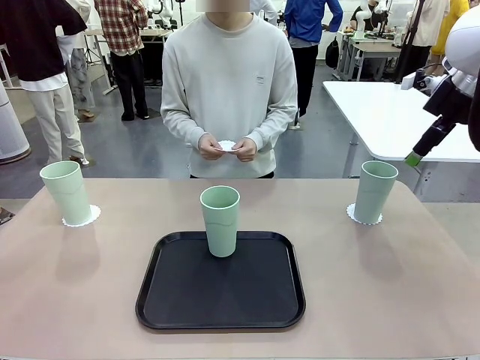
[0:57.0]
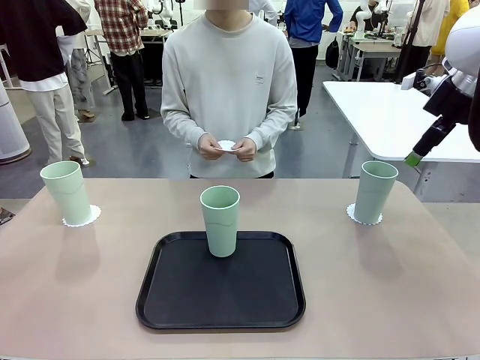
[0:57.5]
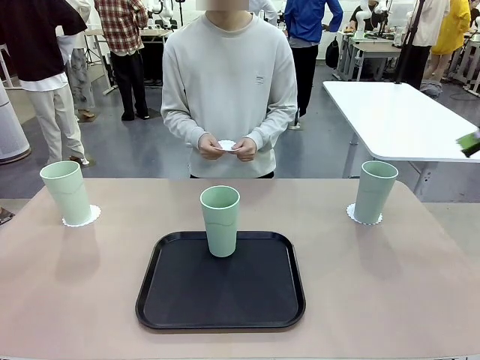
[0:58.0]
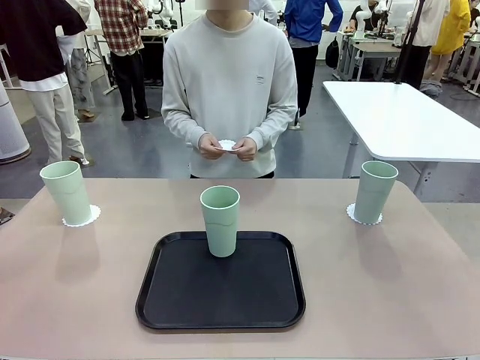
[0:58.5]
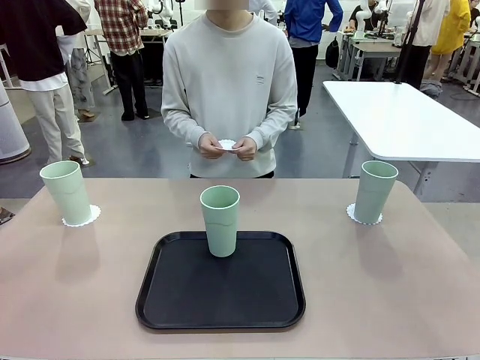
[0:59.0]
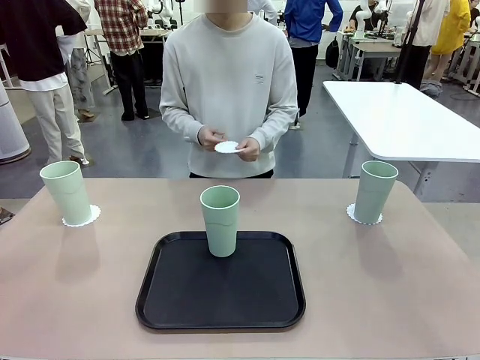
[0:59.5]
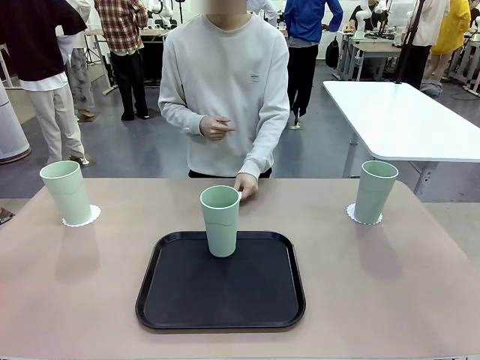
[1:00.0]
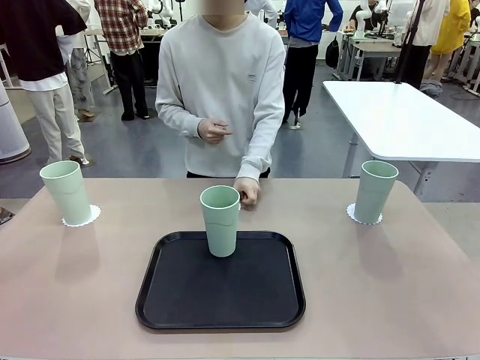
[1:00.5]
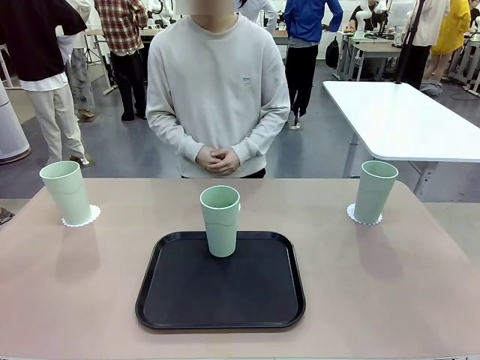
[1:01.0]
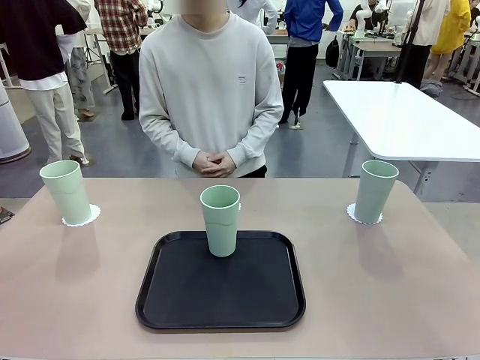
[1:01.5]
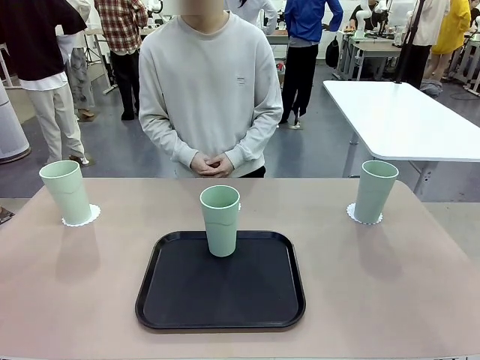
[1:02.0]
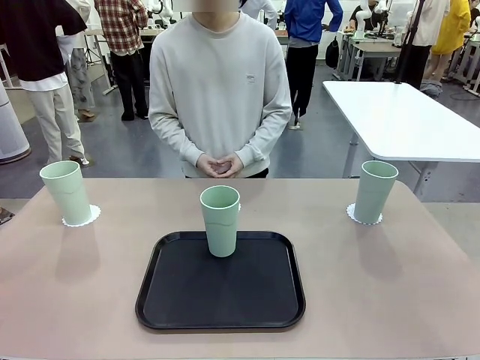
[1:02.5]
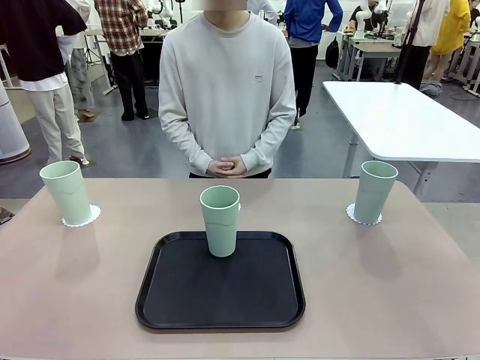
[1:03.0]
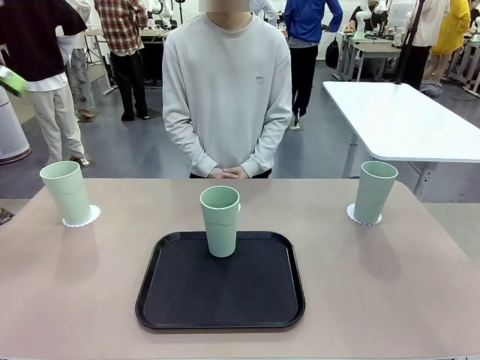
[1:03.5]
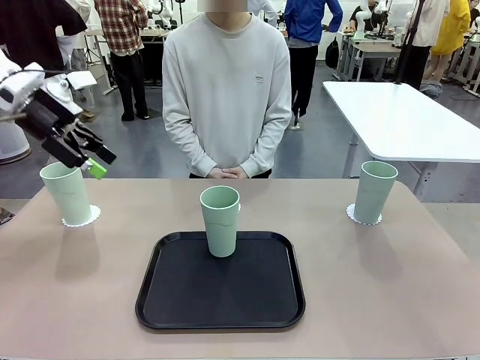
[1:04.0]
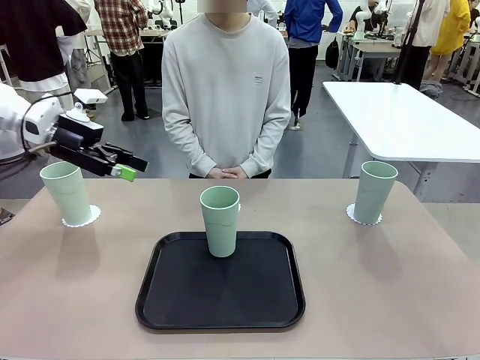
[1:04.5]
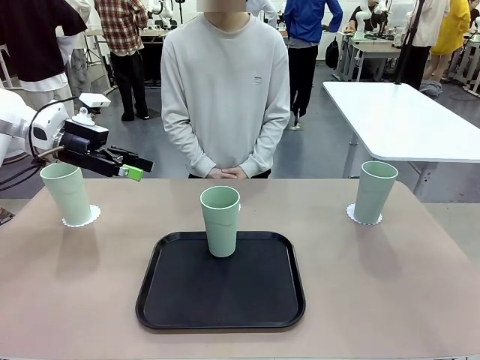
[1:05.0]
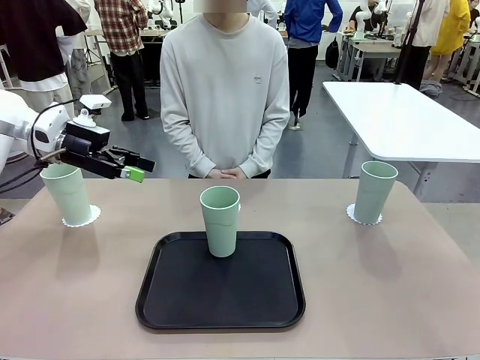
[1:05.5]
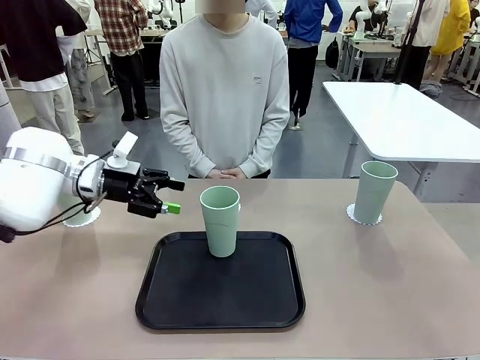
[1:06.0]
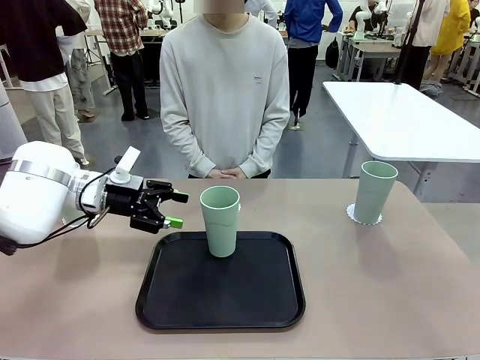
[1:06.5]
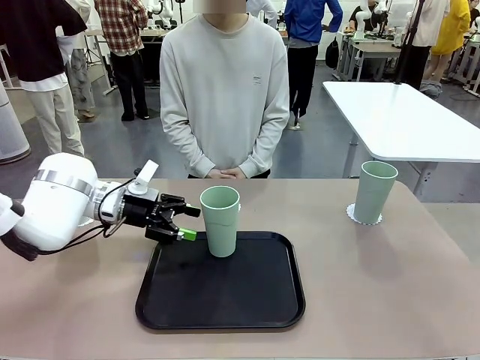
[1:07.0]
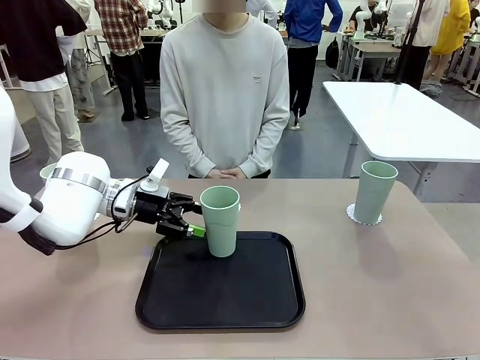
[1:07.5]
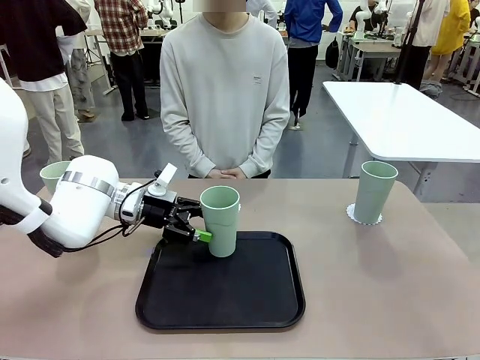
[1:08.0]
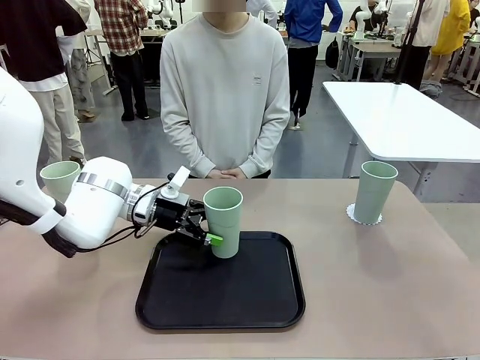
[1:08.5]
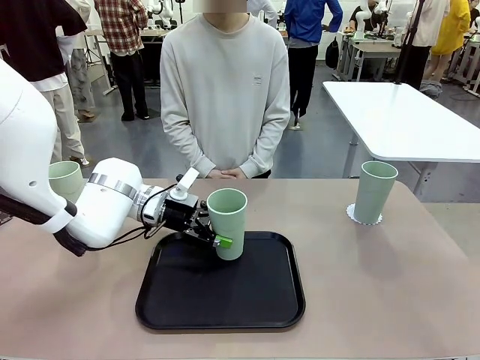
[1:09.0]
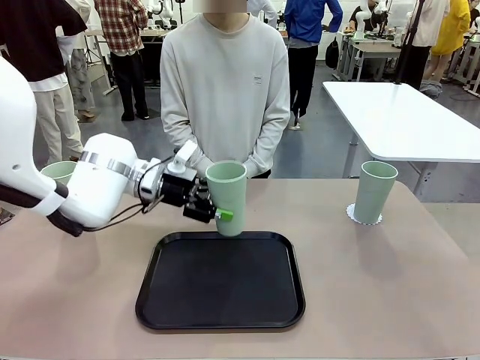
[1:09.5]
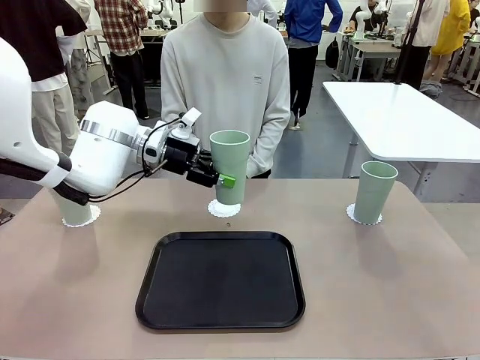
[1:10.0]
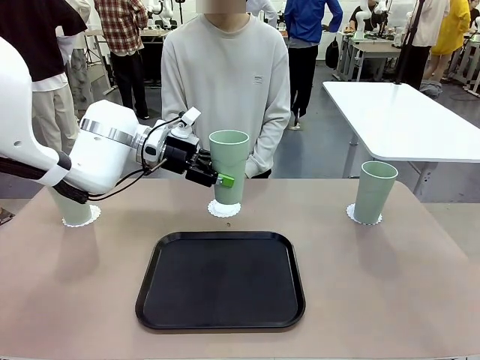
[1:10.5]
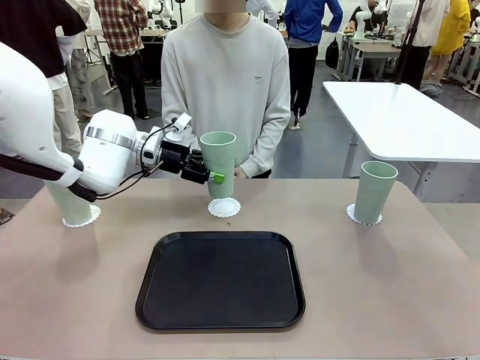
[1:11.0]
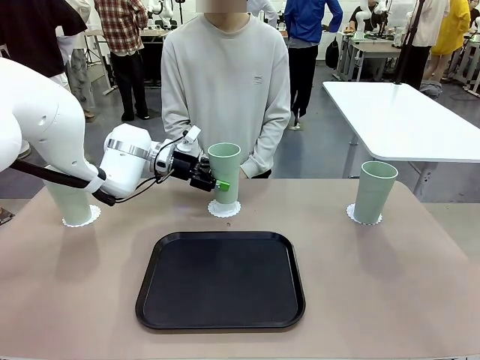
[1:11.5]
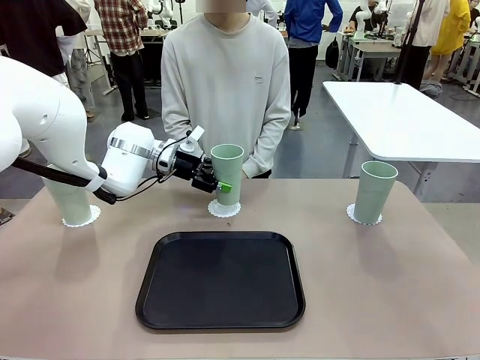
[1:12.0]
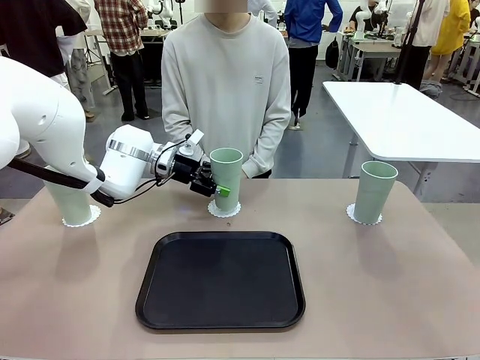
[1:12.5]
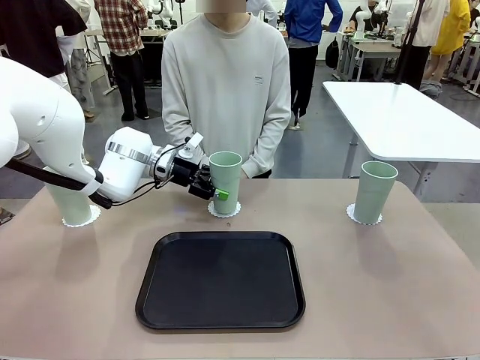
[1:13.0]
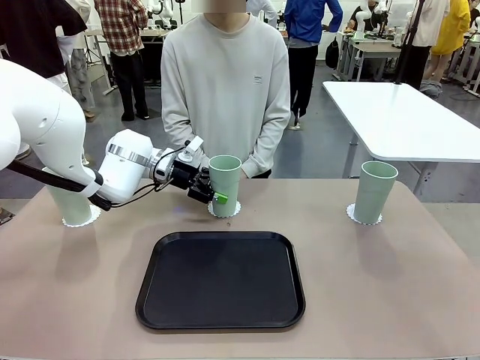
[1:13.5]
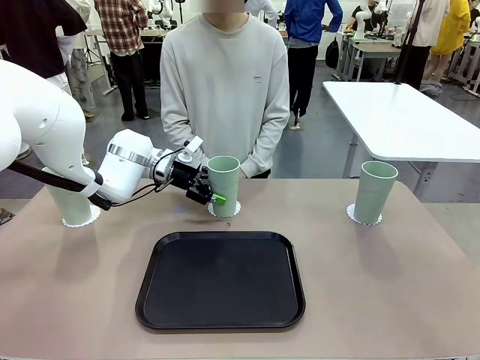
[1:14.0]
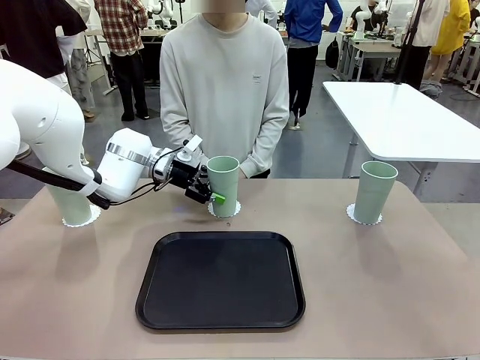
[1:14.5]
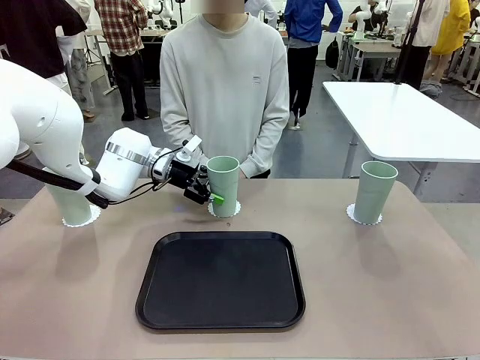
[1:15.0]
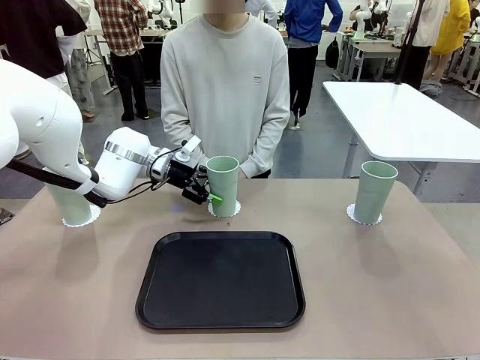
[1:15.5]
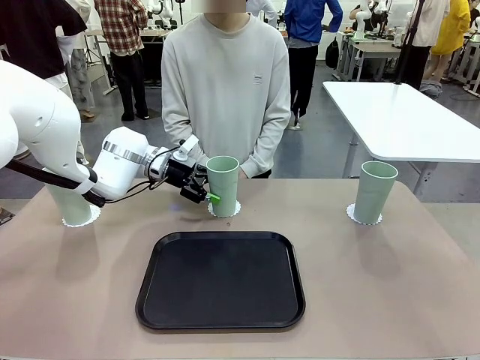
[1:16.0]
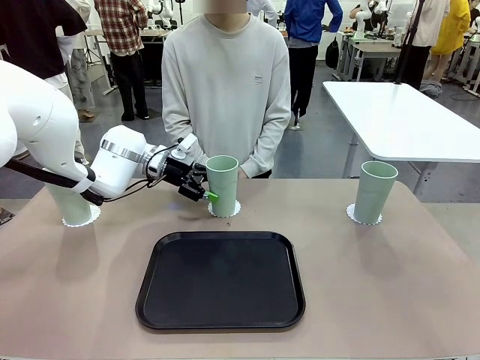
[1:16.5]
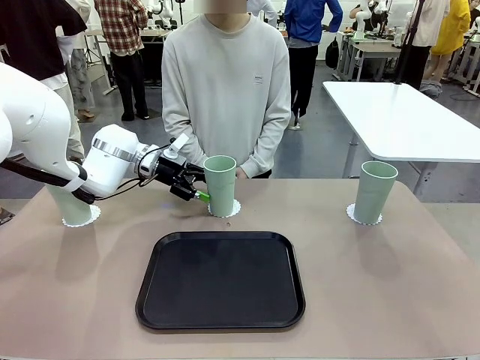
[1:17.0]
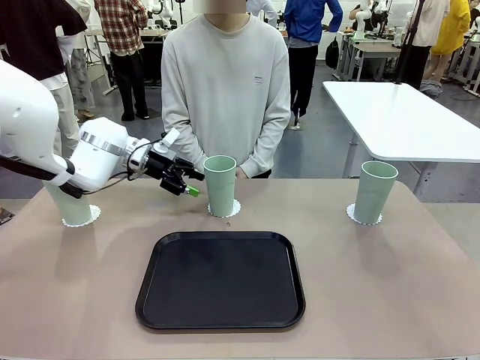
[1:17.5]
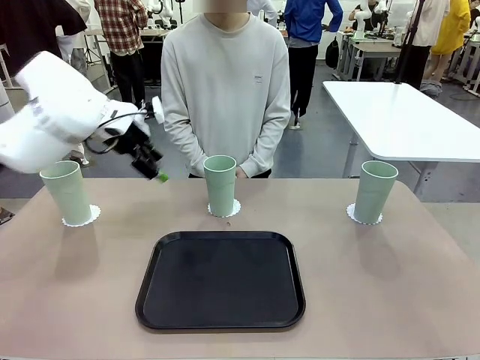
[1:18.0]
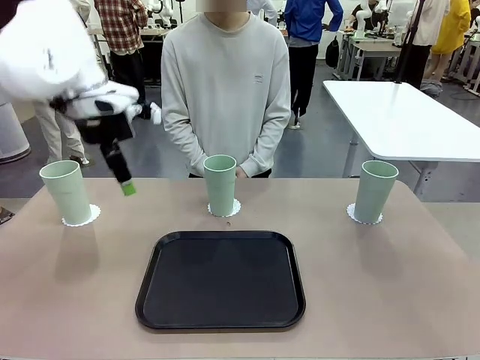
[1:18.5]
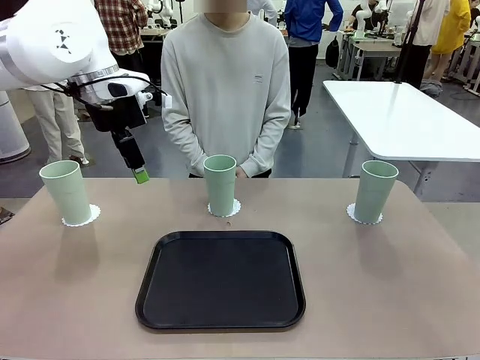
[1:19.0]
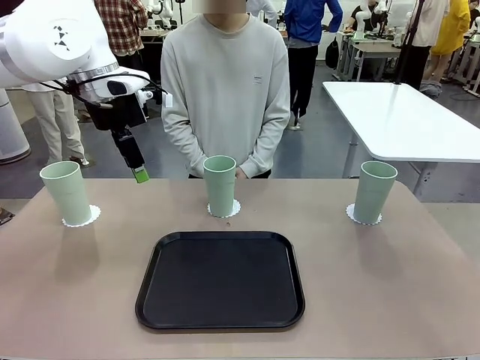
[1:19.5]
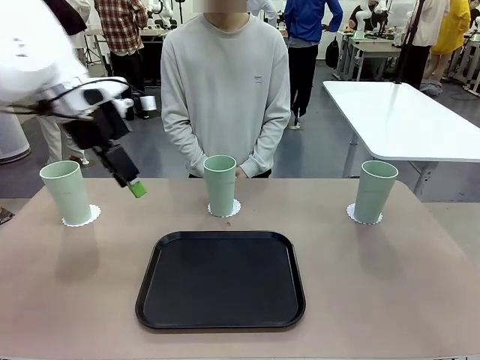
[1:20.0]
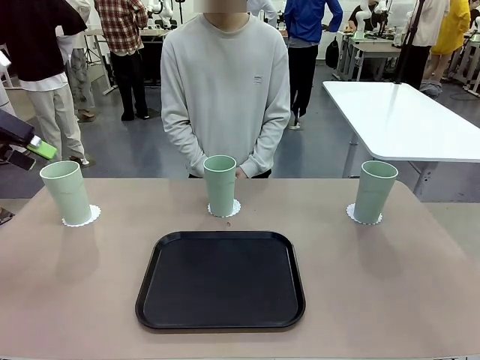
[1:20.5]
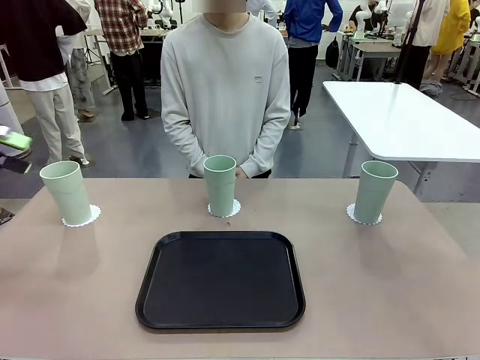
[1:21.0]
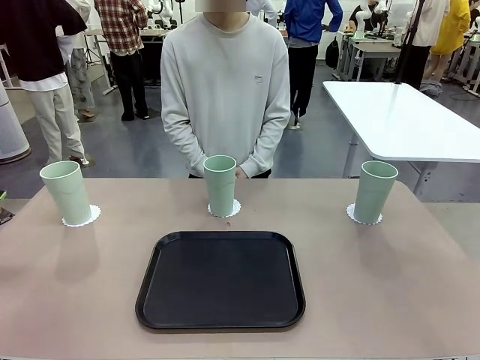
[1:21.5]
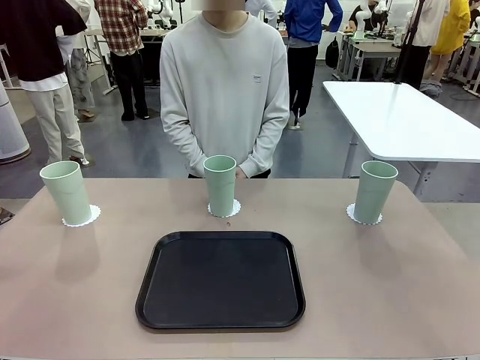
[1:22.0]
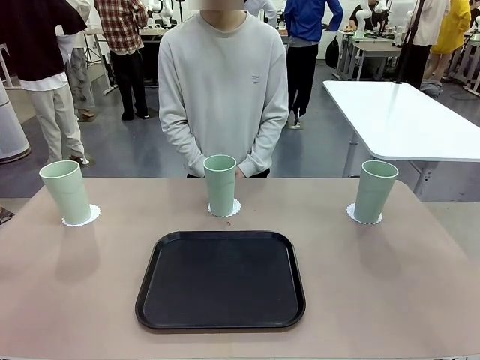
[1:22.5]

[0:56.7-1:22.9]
Task: Place coasters on the table and set cups on them.
Robot: Take one Reusable plastic cup from the Flat Tray and place it on a coaster set by the human.
Person: Place one coaster in the only remaining area.
